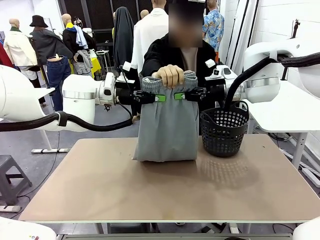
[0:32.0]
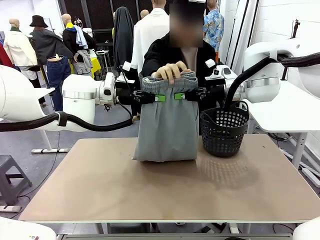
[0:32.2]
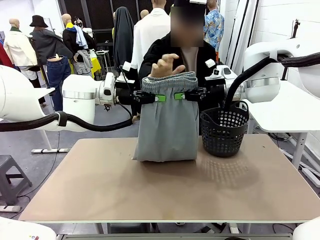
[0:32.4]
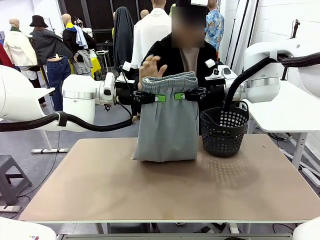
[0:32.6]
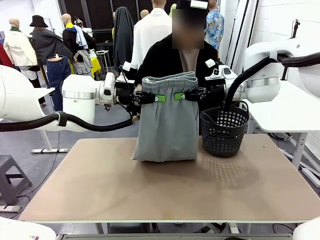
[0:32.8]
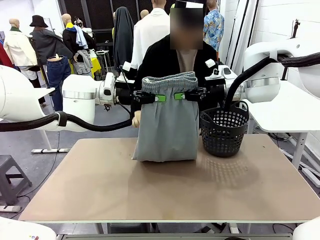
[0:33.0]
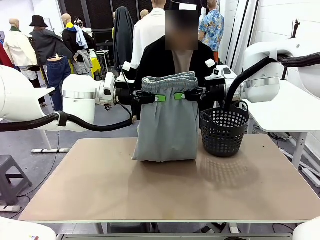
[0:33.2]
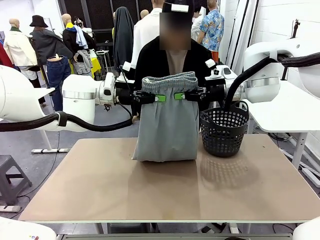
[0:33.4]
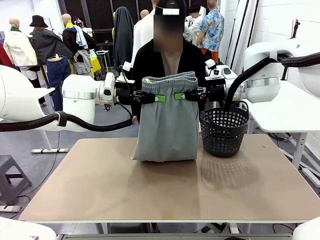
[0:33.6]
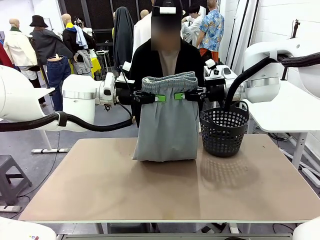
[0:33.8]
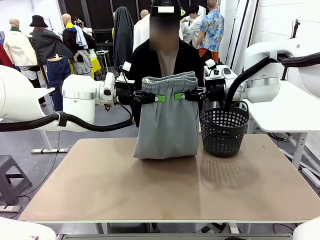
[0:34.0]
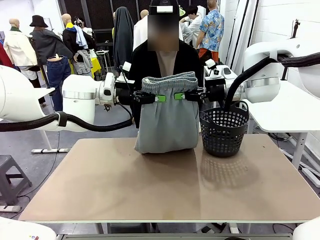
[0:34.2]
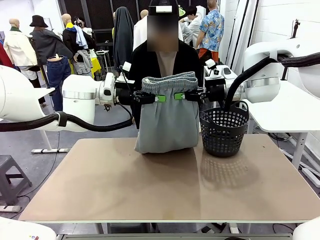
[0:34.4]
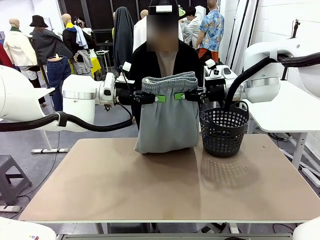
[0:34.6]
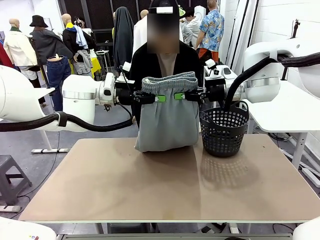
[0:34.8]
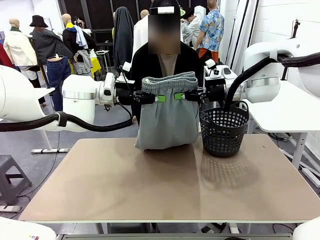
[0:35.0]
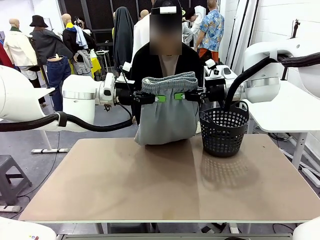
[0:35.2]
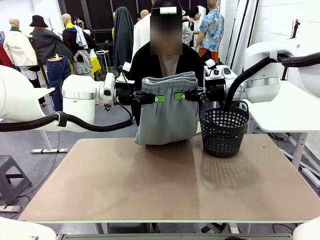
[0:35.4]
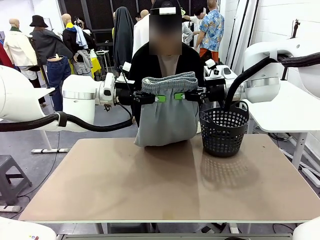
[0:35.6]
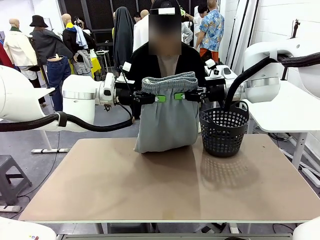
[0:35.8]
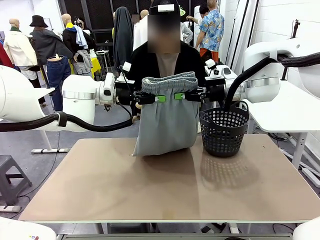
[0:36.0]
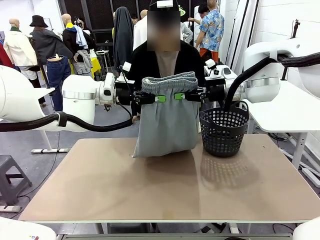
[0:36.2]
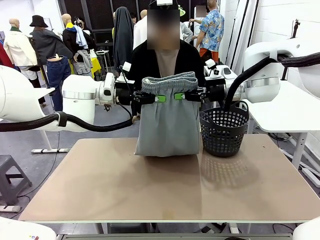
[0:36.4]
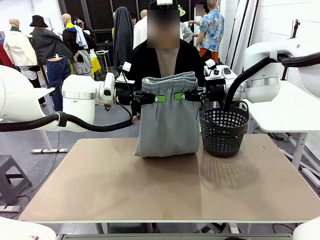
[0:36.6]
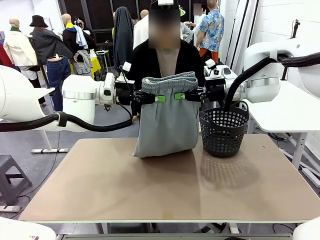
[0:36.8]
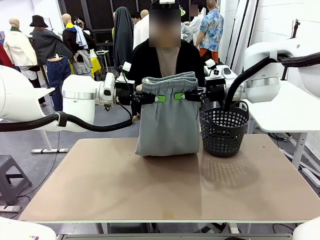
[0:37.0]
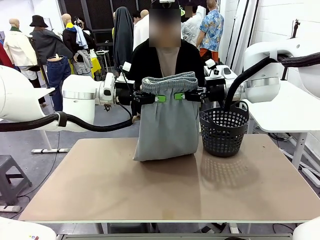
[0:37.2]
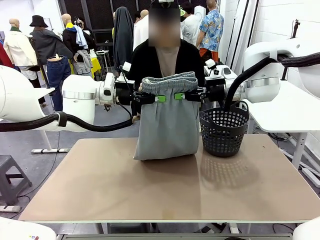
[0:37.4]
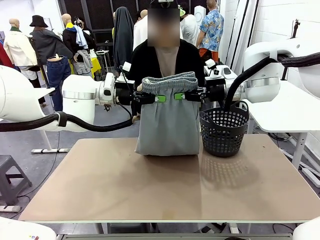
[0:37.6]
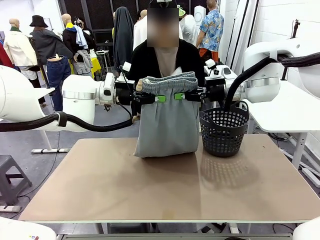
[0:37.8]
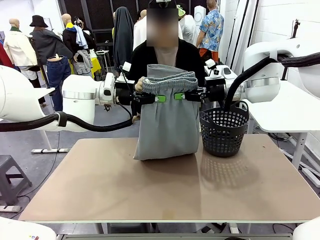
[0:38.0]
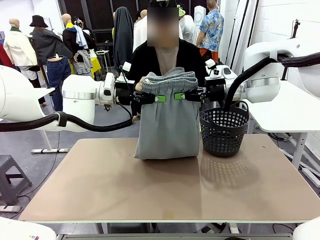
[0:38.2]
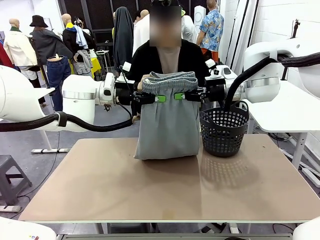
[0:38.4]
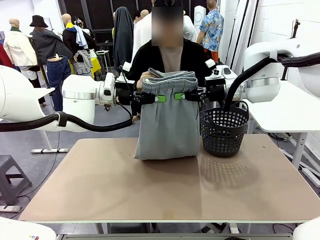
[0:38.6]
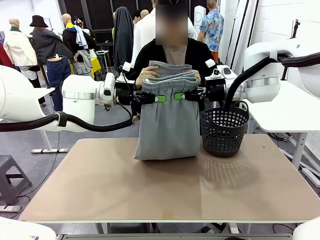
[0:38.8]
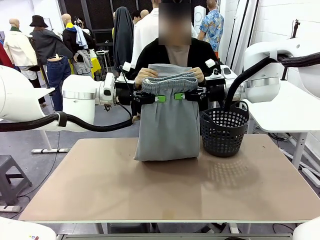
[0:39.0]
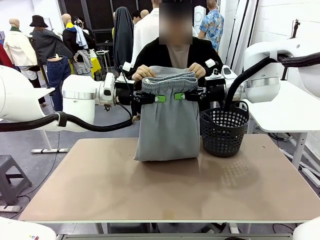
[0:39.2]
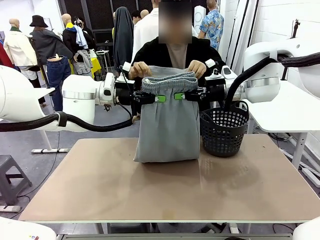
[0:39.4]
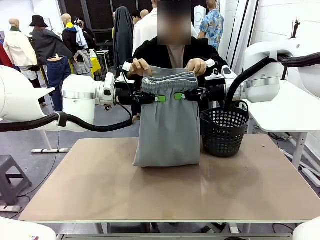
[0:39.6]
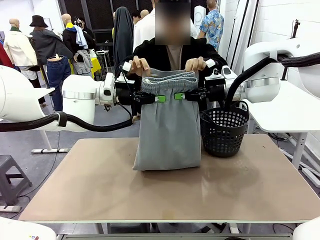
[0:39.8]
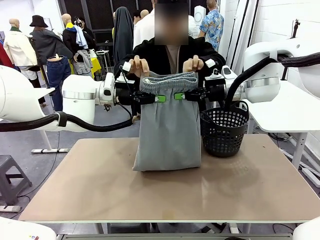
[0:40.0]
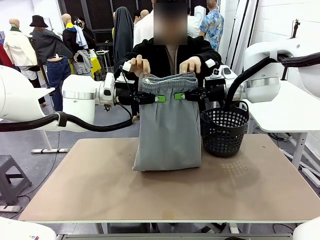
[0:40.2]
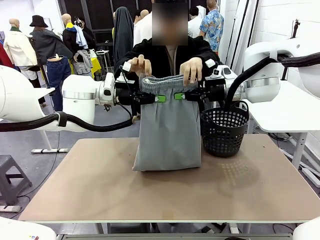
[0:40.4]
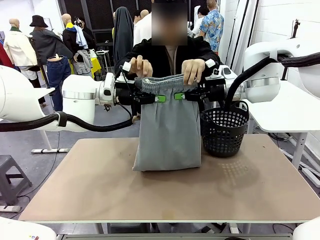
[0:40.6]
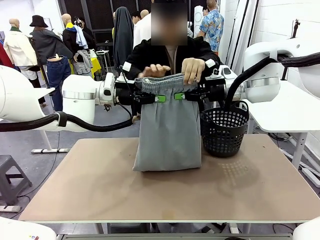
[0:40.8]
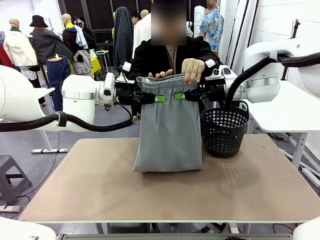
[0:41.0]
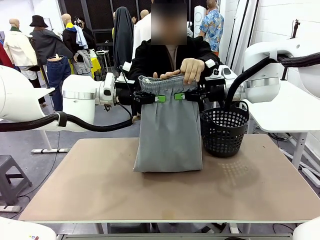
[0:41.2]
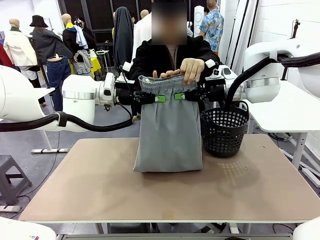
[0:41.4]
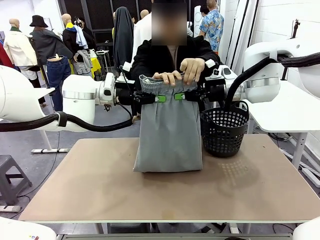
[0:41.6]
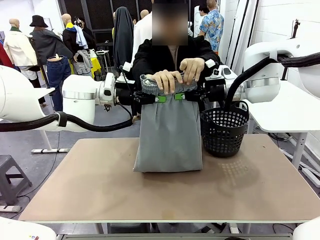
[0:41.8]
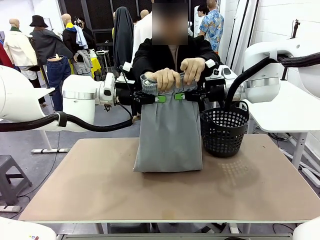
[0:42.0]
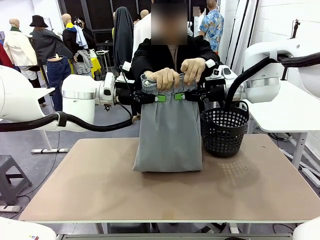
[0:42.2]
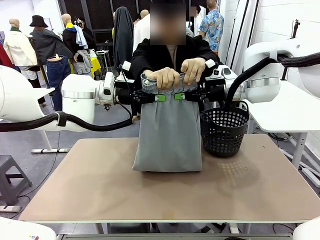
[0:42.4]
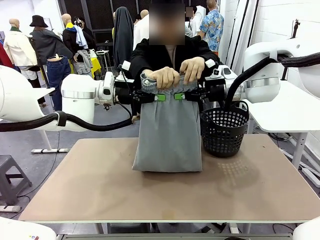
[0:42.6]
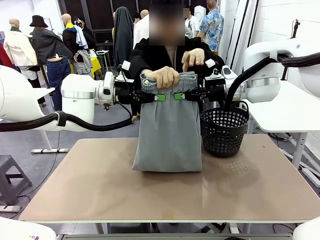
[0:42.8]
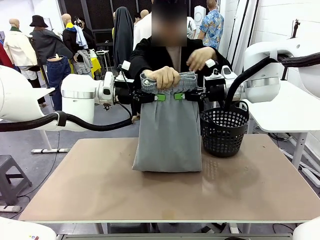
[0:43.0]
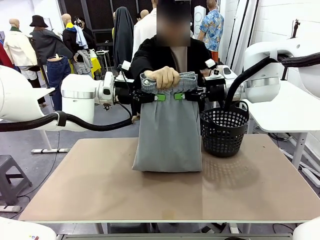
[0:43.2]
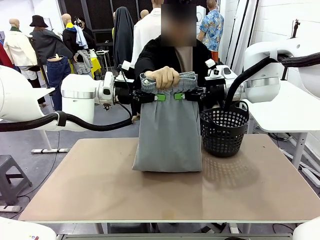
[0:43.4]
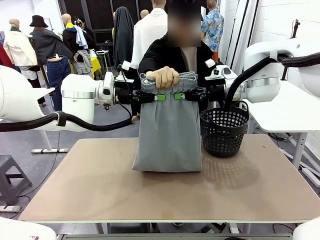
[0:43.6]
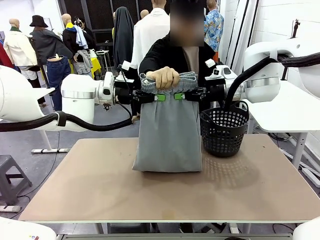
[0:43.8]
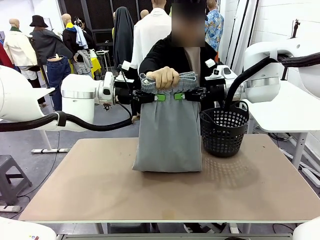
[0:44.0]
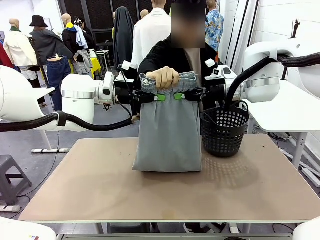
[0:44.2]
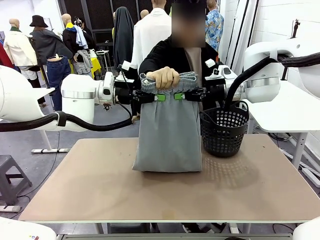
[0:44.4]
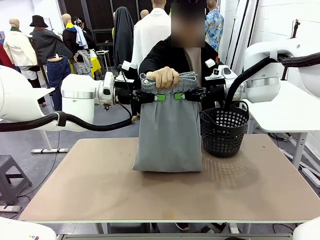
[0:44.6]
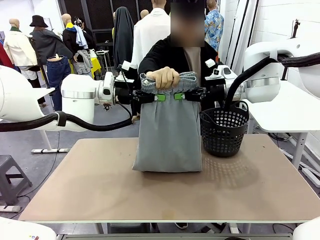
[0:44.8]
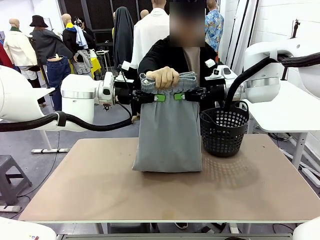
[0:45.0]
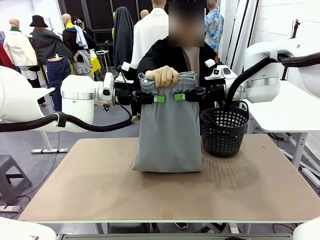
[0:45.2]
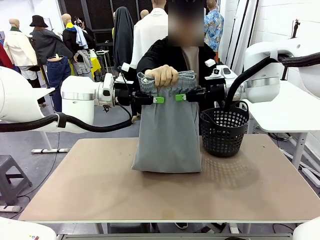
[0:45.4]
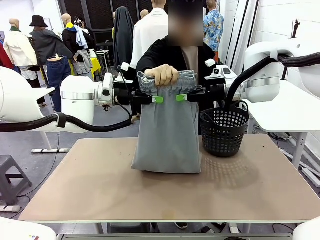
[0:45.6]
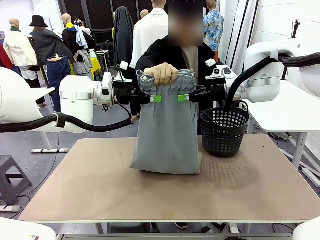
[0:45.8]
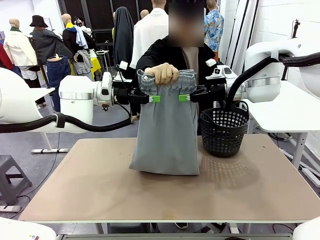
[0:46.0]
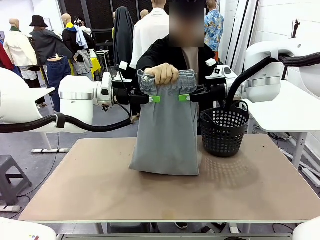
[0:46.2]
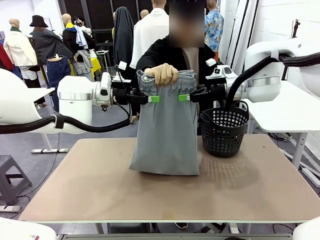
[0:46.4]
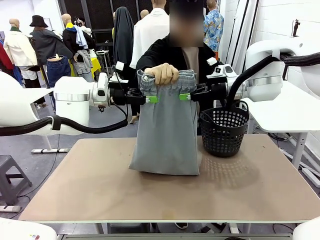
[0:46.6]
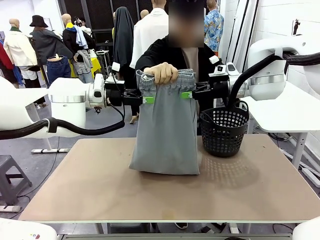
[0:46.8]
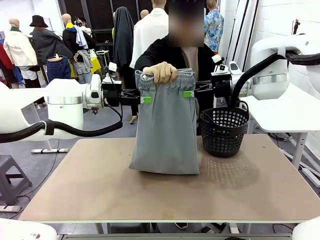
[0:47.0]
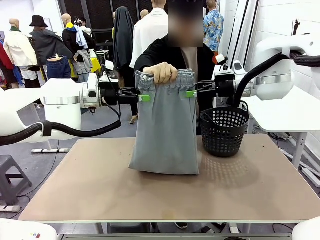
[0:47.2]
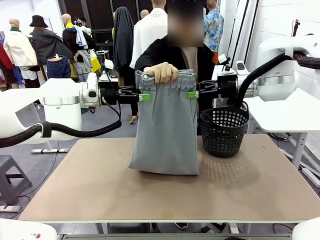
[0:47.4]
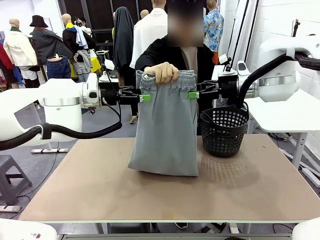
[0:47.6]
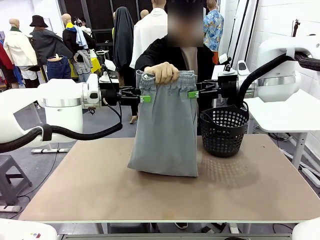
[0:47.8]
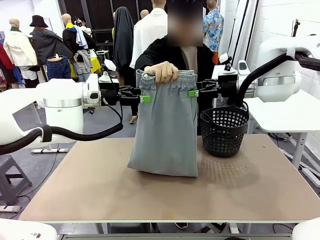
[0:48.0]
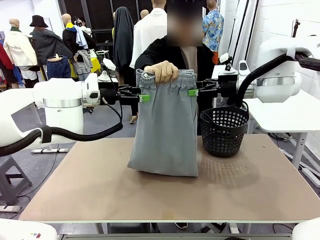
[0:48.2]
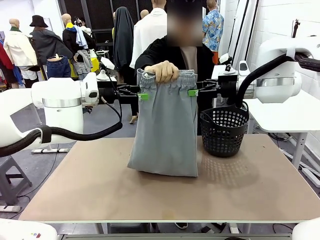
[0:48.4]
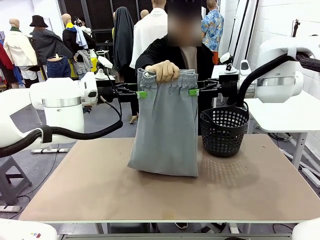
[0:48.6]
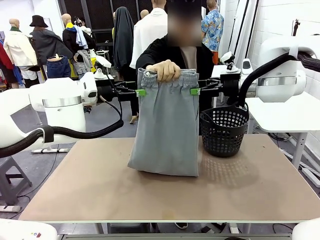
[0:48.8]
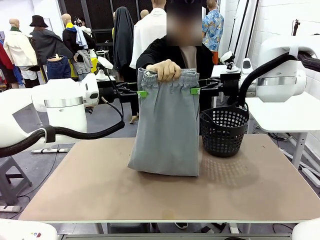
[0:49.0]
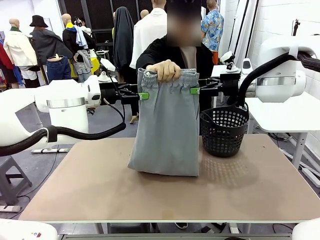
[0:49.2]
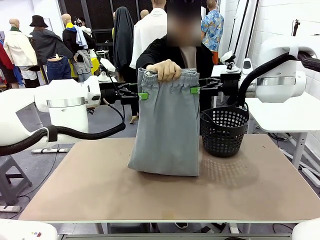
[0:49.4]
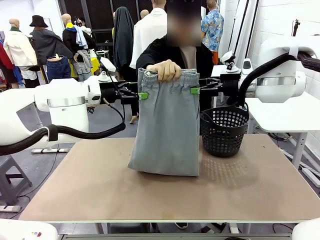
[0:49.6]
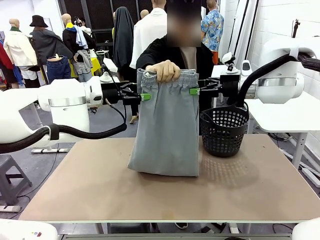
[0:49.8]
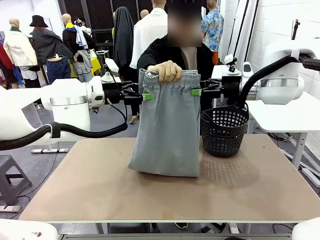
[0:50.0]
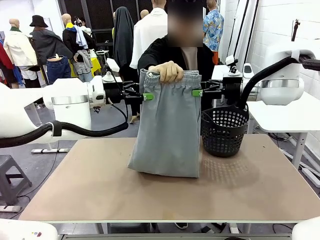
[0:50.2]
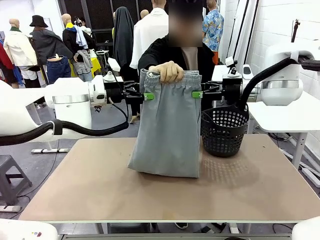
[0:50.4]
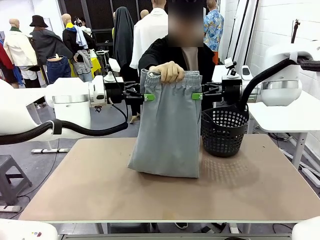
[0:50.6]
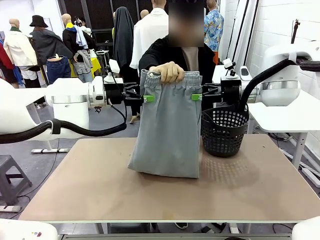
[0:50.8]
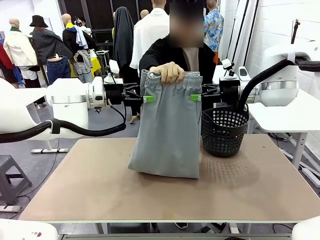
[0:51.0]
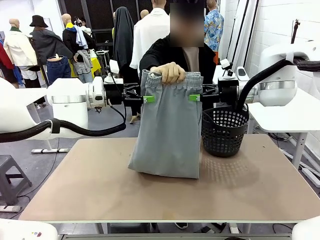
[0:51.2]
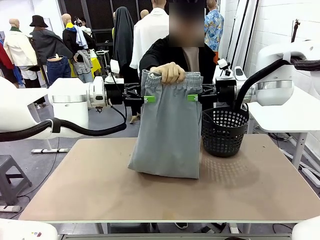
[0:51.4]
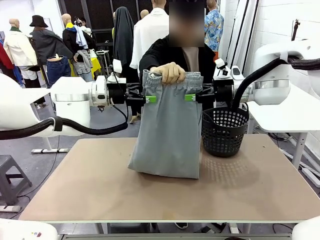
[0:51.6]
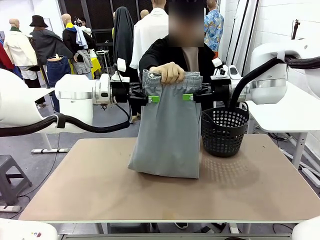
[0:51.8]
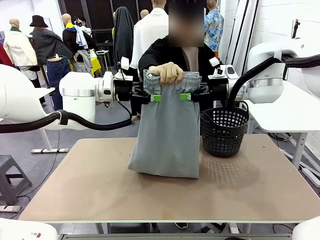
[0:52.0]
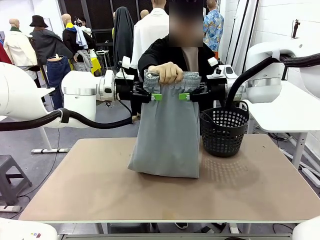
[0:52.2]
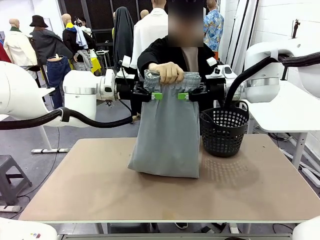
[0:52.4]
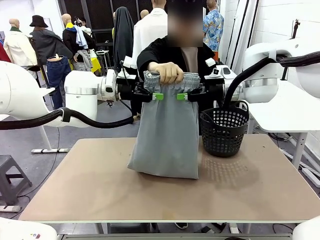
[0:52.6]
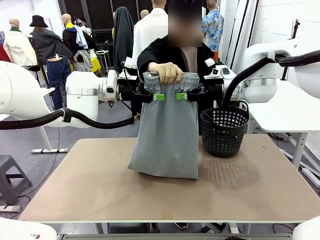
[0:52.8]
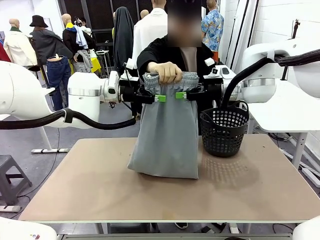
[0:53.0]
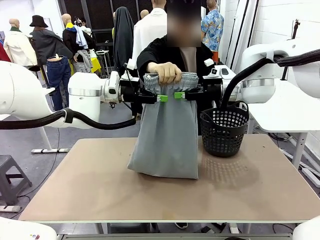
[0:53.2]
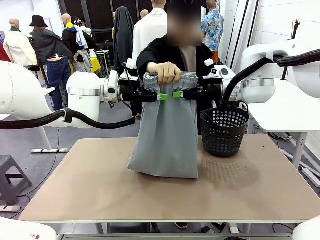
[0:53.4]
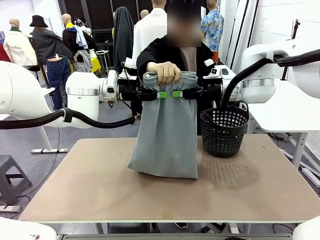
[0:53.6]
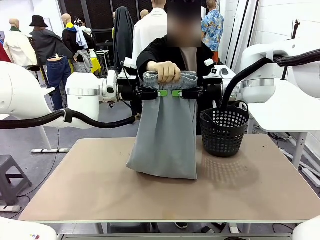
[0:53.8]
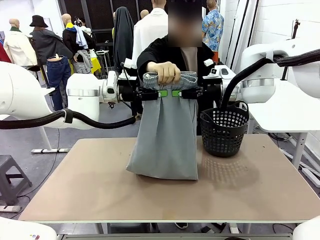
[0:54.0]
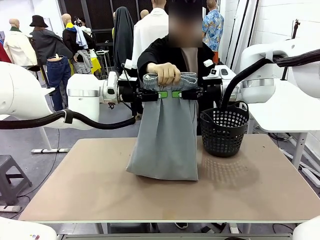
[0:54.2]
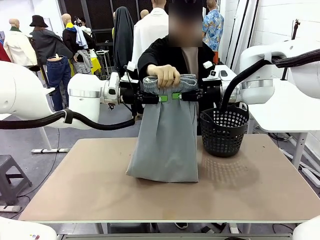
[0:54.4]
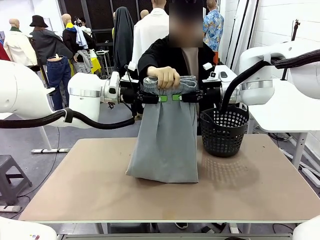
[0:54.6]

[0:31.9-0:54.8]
Task: Fold the training pants.
Robot: Release the ends of the Training pants and then grab the overlapped ends.
Person: Release the pants you were holding.
